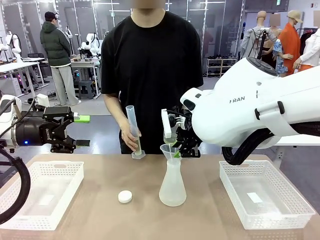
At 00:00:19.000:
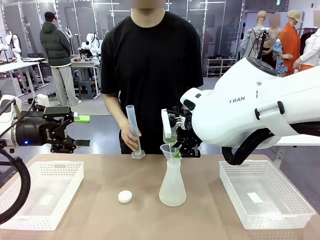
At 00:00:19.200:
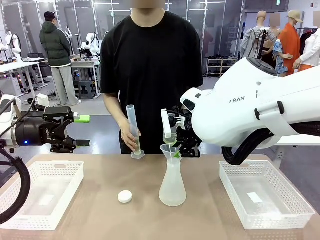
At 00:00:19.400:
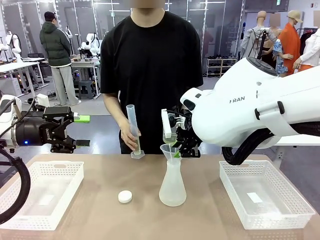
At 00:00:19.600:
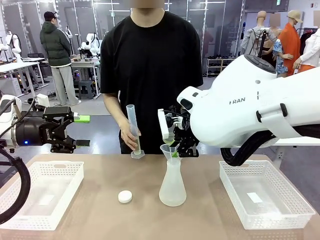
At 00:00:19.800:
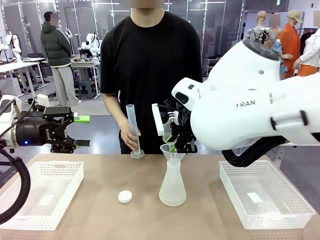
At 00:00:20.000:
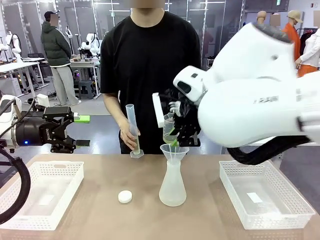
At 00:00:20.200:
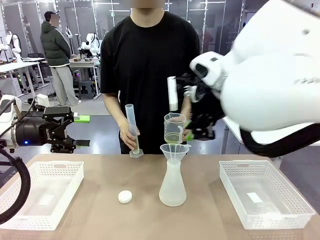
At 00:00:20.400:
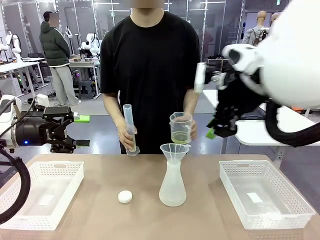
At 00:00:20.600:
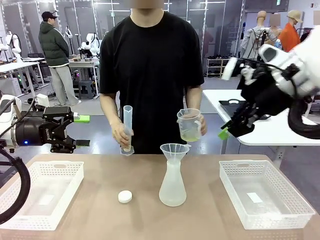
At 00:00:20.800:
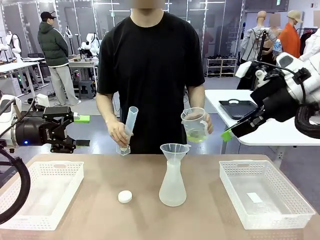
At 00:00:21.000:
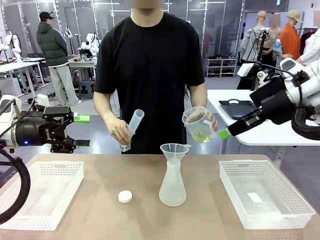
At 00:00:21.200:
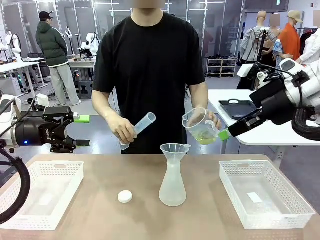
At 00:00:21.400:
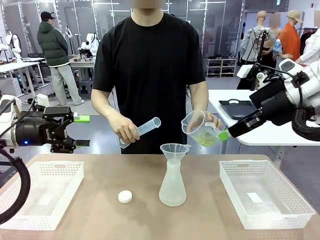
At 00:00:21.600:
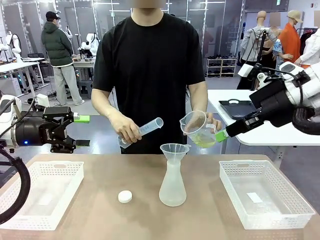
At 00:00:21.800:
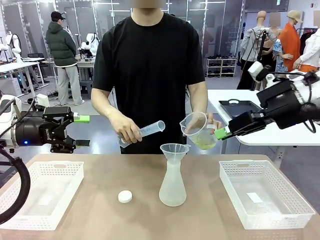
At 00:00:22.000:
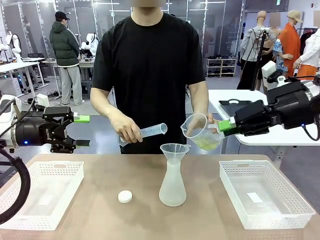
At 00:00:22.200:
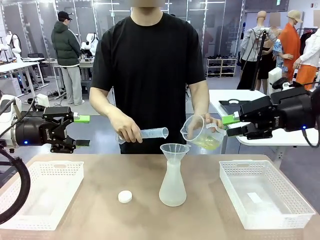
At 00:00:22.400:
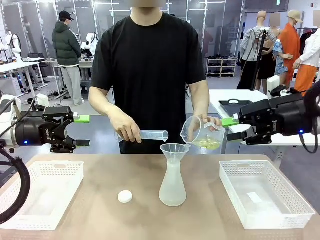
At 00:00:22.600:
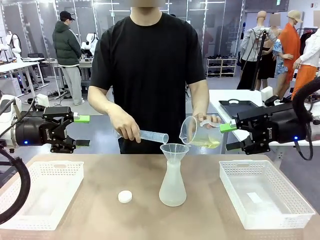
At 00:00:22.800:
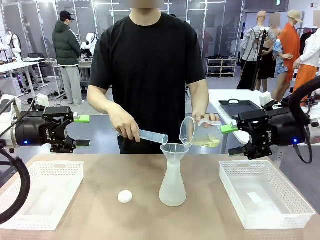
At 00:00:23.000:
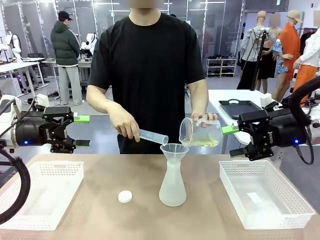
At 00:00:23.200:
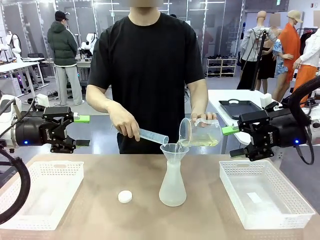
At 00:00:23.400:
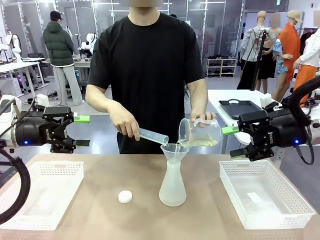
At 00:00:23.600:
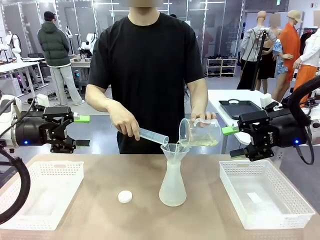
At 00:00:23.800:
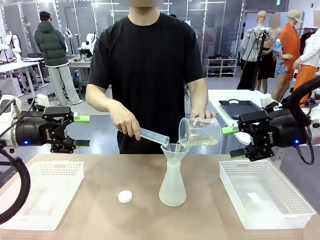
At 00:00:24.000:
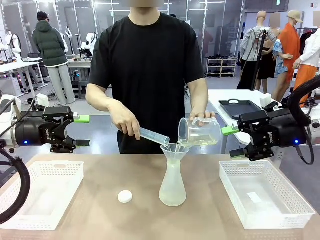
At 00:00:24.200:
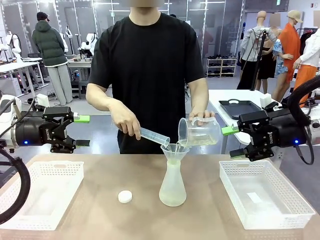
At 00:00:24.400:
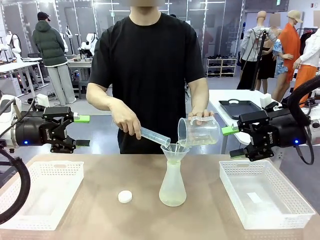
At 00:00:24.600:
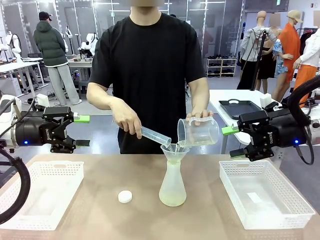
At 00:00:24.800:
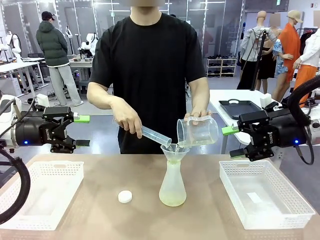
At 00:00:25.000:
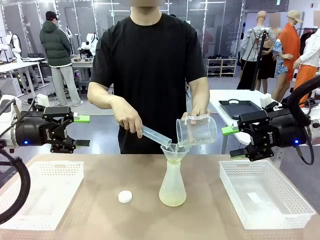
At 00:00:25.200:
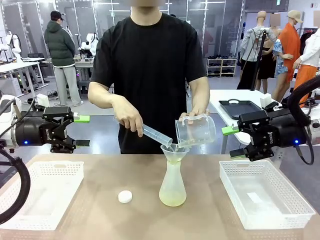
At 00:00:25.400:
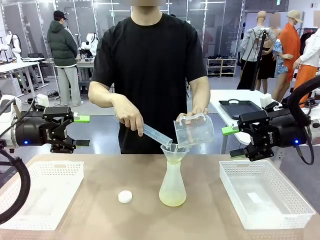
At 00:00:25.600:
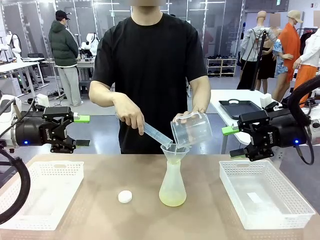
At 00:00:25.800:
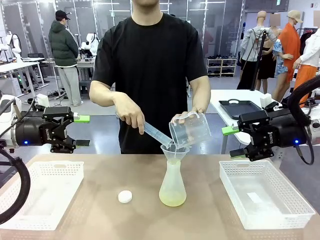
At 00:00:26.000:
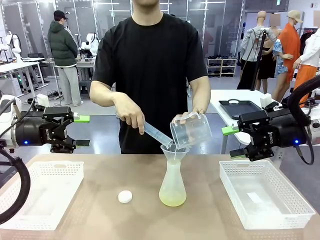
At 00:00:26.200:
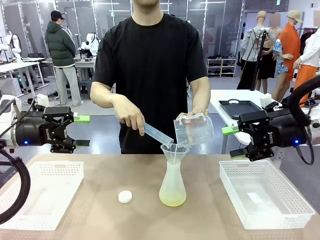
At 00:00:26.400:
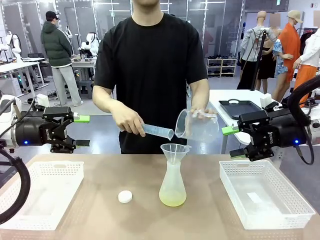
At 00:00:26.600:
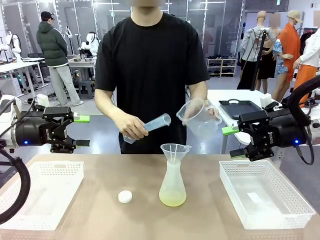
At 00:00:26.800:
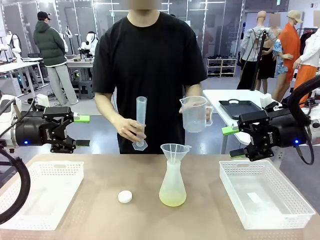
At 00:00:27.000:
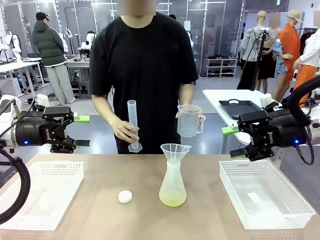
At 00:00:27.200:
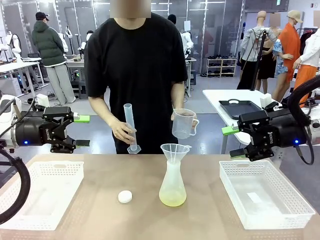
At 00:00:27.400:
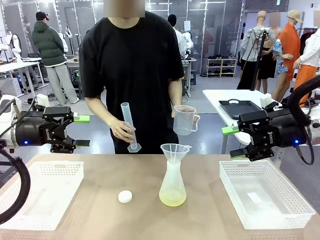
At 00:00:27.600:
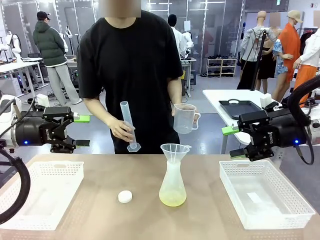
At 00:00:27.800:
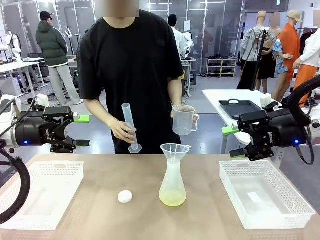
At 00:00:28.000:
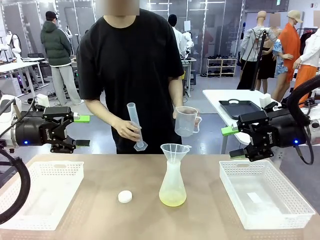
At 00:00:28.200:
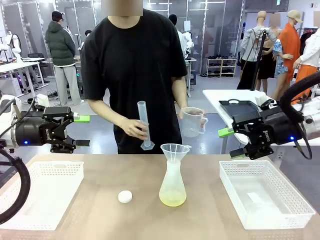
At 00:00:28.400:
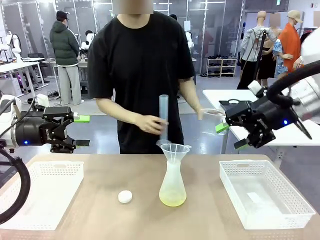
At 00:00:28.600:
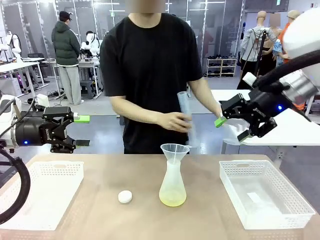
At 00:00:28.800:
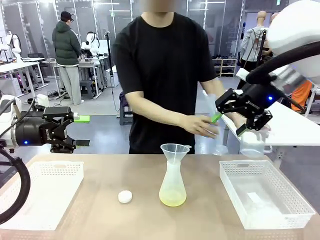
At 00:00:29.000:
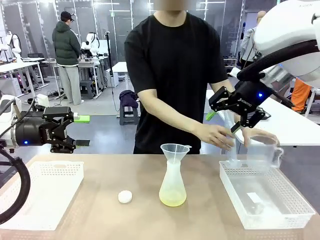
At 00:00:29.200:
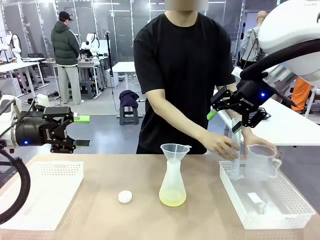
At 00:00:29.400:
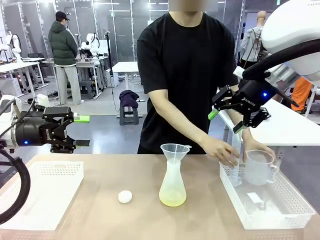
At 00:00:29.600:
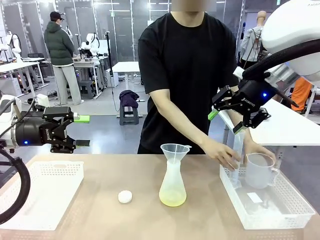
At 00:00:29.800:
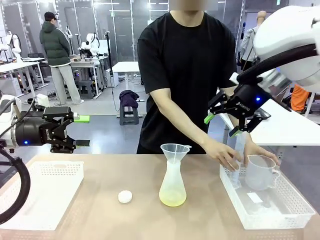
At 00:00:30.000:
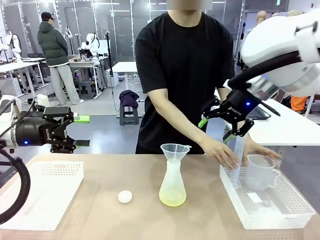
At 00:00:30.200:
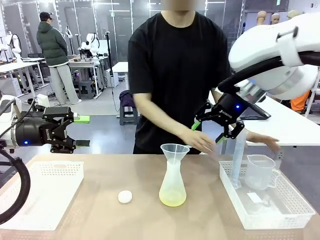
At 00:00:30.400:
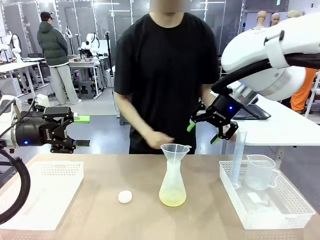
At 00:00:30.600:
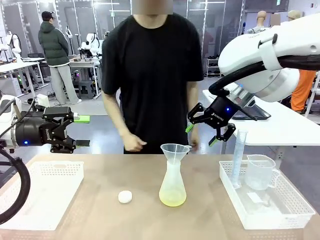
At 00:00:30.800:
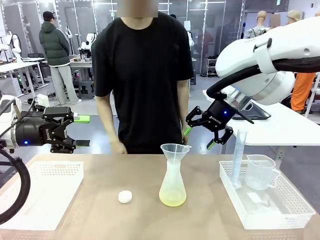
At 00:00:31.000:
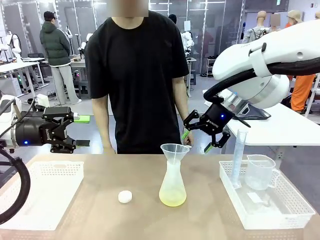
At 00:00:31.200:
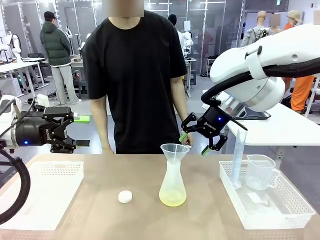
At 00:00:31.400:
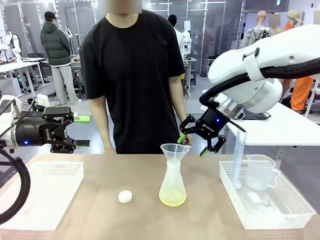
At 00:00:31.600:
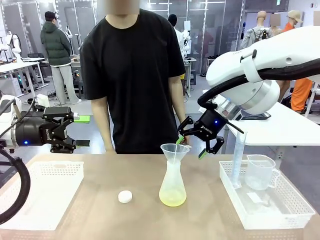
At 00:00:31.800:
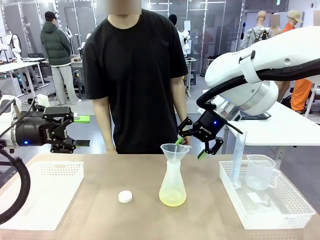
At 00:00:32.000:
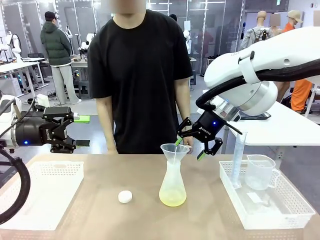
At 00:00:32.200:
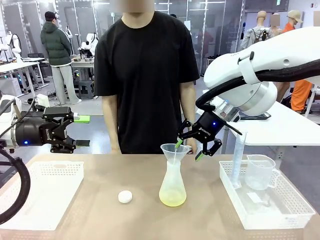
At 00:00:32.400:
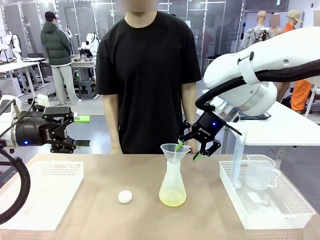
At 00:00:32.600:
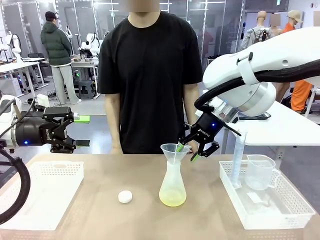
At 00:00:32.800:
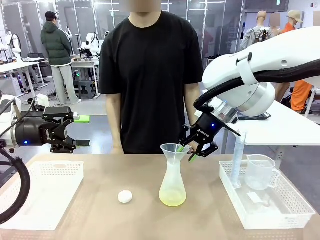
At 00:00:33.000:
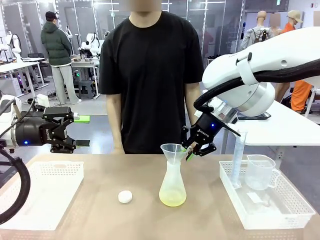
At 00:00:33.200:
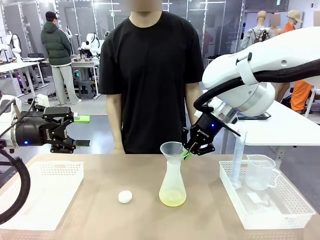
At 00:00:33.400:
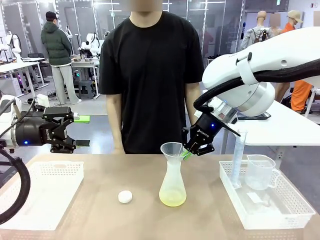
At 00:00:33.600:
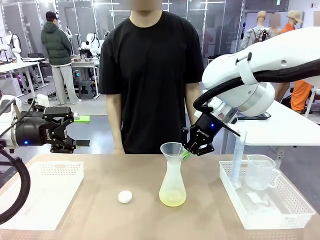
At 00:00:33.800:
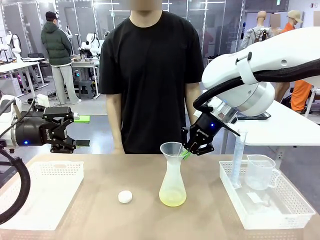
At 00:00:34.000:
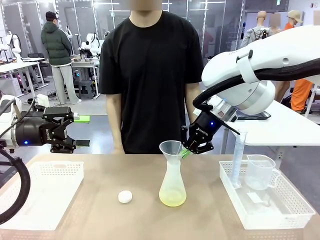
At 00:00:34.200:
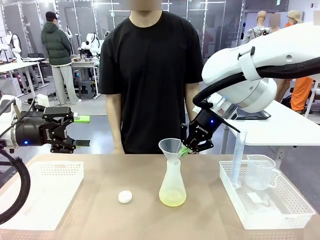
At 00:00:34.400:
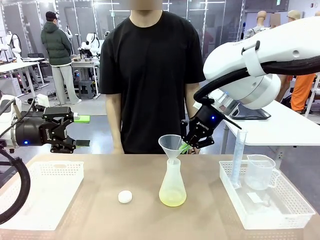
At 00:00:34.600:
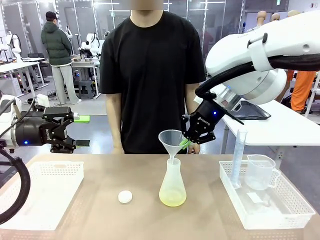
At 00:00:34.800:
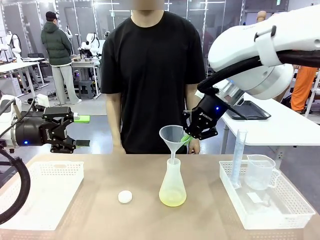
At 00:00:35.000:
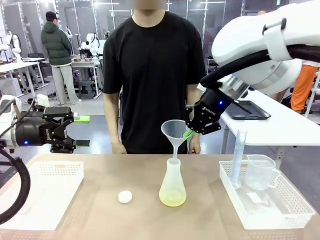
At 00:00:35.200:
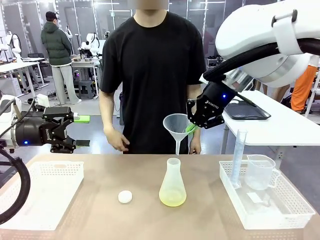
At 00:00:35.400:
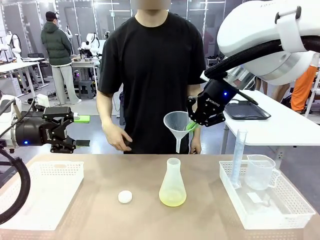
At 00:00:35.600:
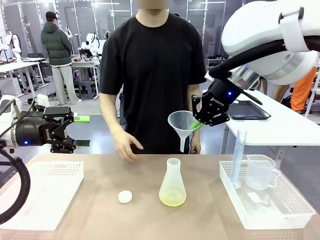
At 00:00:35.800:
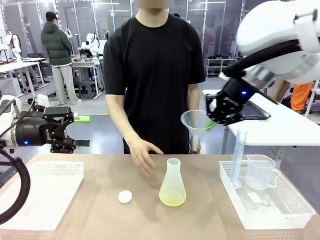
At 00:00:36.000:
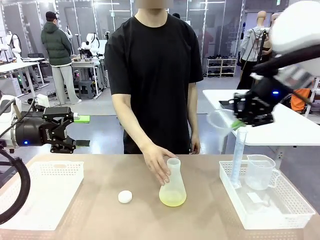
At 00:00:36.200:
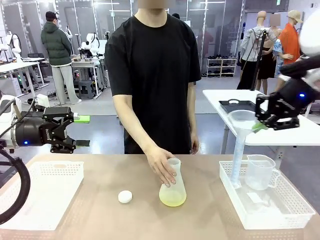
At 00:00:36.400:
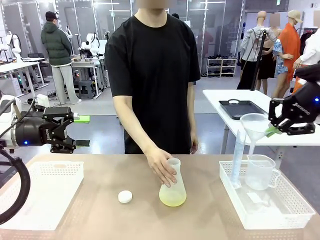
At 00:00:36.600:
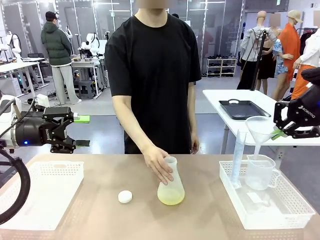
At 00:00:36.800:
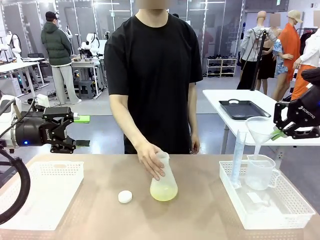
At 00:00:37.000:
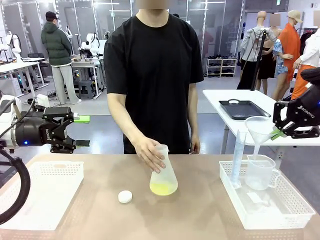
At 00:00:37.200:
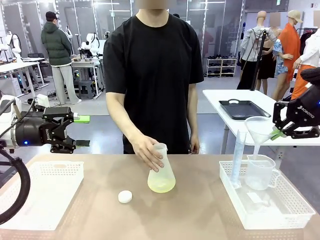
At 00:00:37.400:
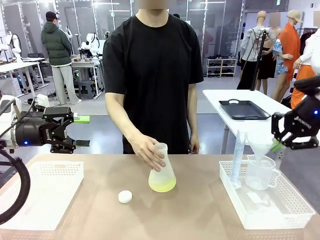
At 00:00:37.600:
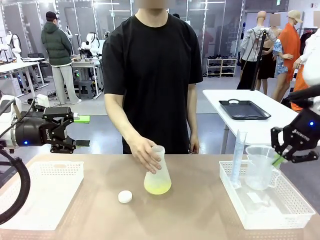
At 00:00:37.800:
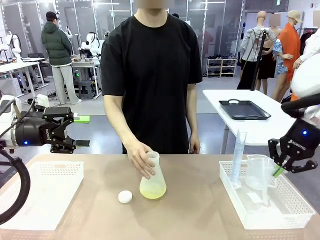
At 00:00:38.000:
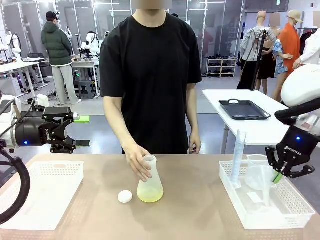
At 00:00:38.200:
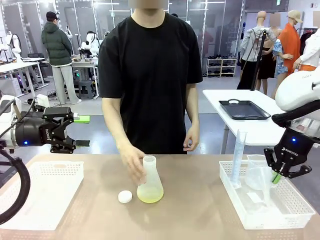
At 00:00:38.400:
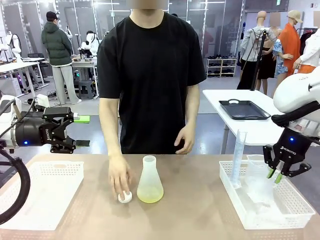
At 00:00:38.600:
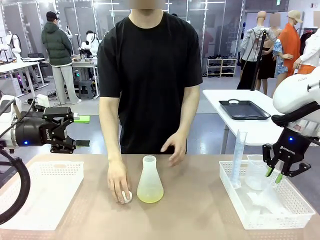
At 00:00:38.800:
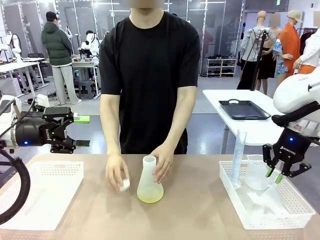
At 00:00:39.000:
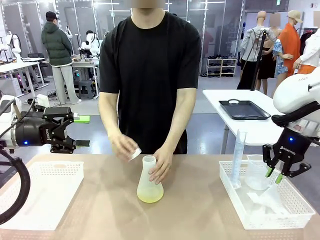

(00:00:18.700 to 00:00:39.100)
Task: Prepare the solutions needed for the experiment.
Robot: Once the solution is in the Big flask , pick up the Plastic Funnel and place it back into the right Organizing basket.
Person: Place the beaker and the cylinder into the organizing basket on the left side. Pick up the flask, gently shake it 2–3 times, place it in the middle of the robot table, and close the lid.
